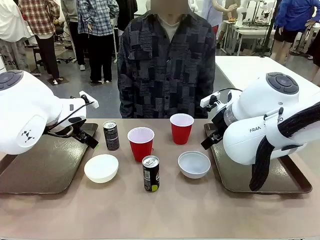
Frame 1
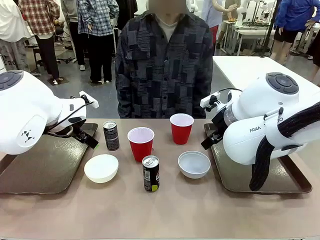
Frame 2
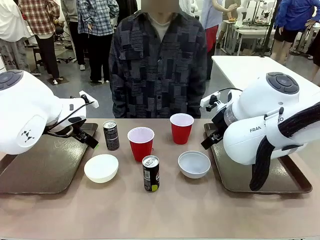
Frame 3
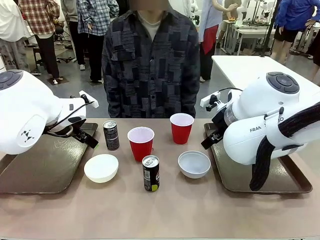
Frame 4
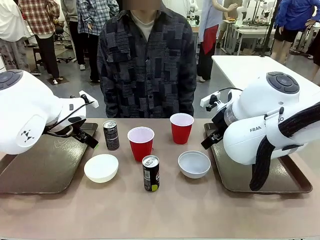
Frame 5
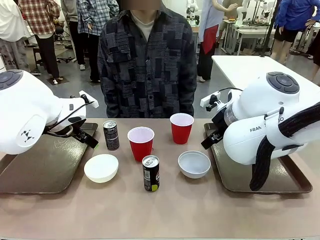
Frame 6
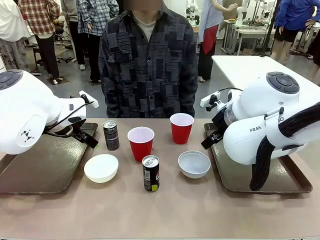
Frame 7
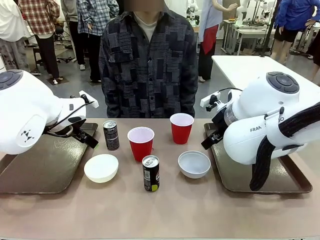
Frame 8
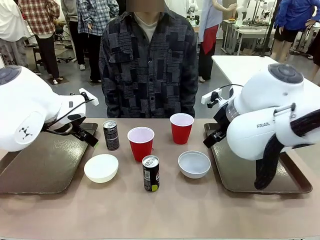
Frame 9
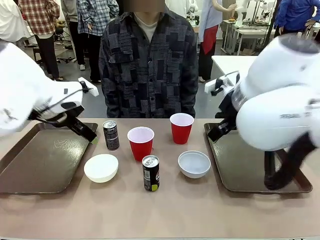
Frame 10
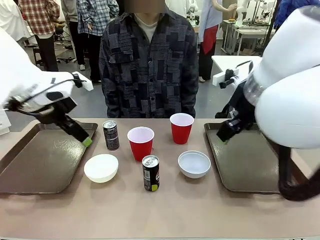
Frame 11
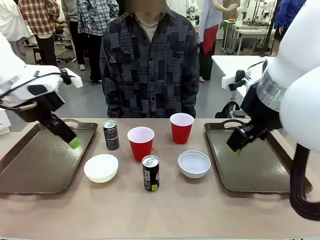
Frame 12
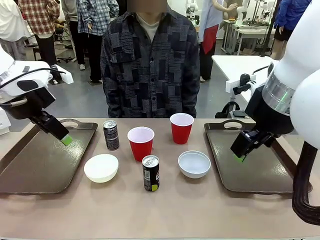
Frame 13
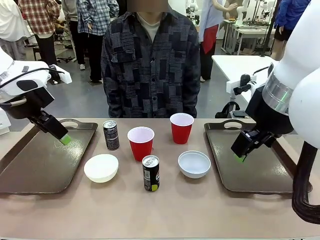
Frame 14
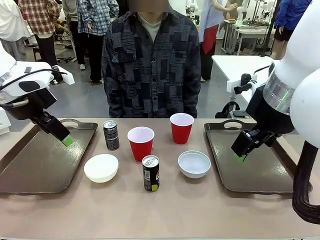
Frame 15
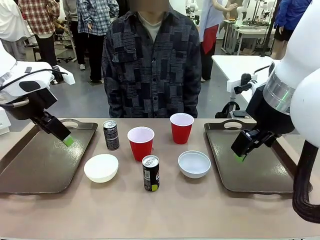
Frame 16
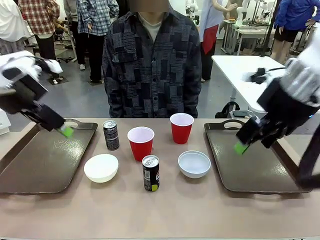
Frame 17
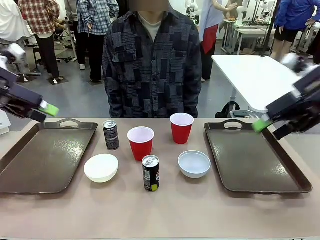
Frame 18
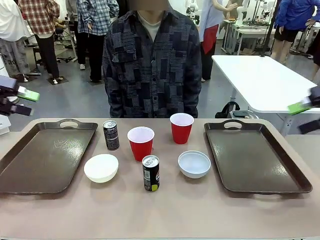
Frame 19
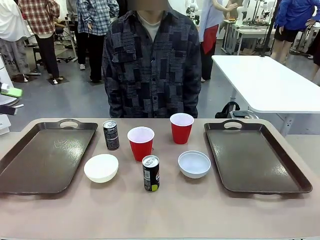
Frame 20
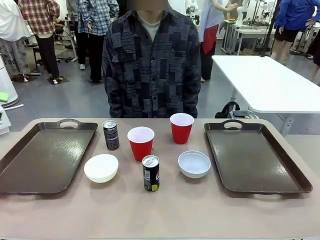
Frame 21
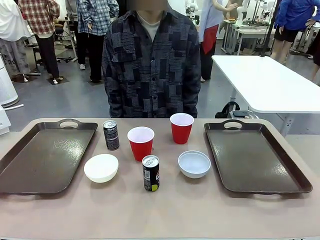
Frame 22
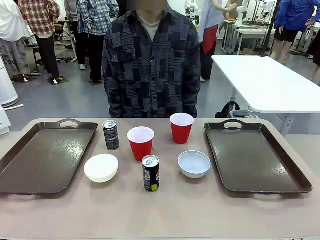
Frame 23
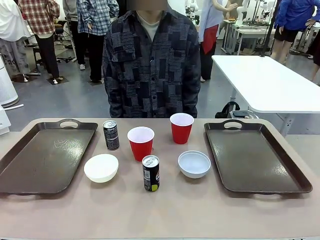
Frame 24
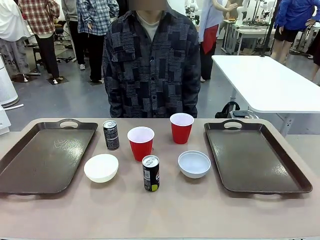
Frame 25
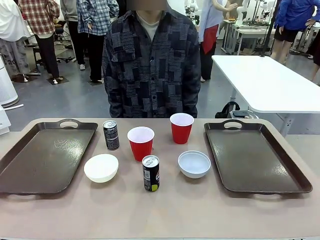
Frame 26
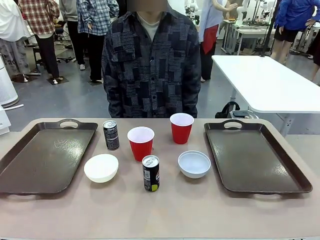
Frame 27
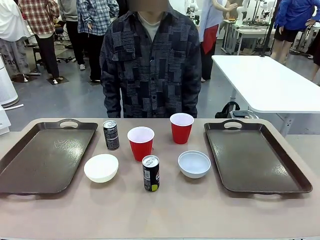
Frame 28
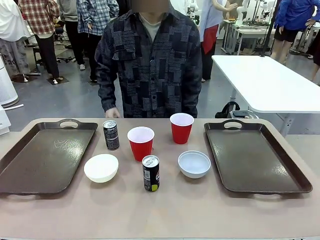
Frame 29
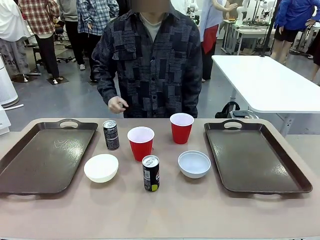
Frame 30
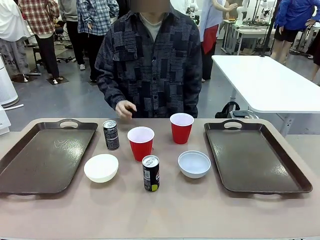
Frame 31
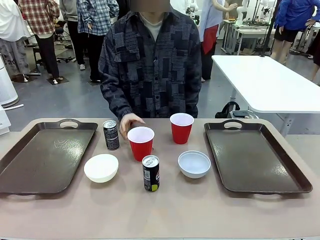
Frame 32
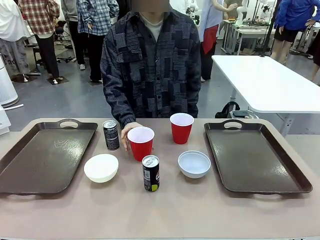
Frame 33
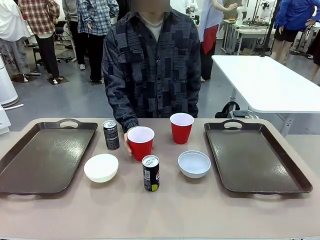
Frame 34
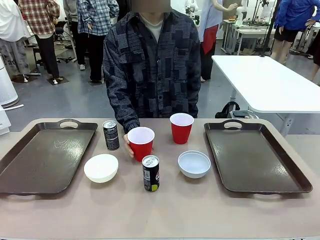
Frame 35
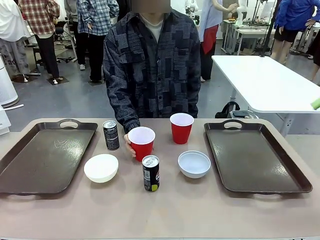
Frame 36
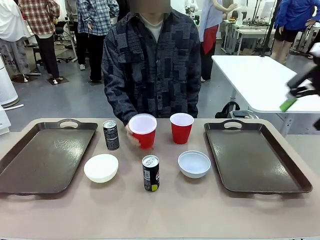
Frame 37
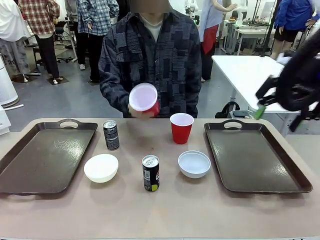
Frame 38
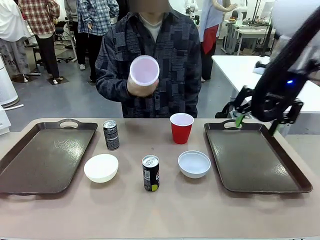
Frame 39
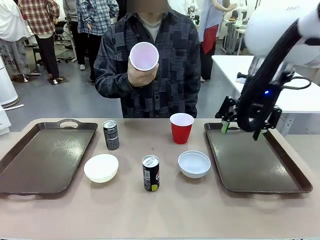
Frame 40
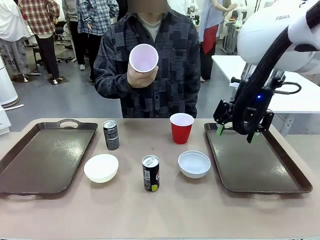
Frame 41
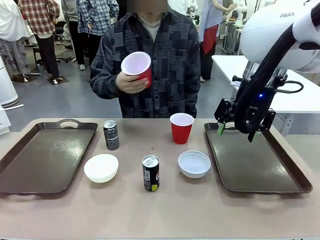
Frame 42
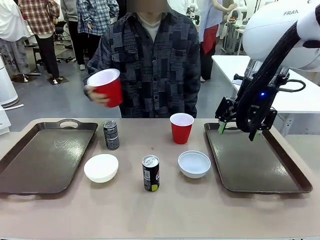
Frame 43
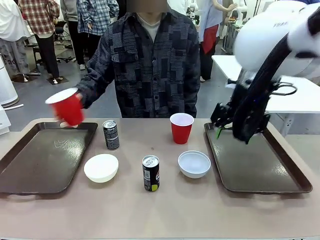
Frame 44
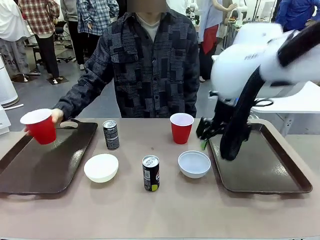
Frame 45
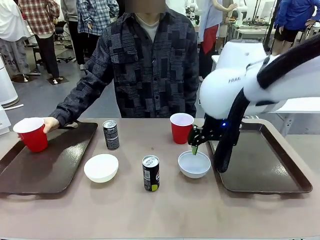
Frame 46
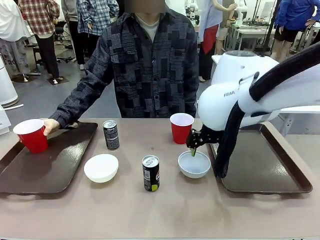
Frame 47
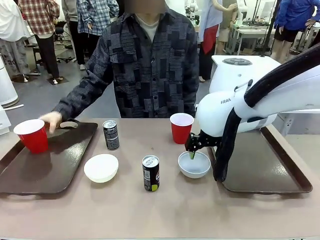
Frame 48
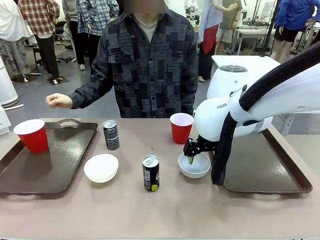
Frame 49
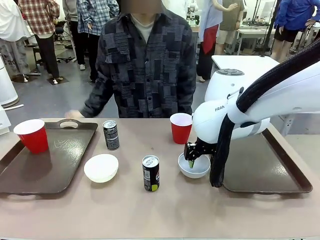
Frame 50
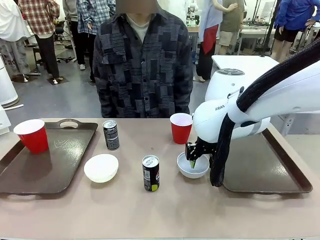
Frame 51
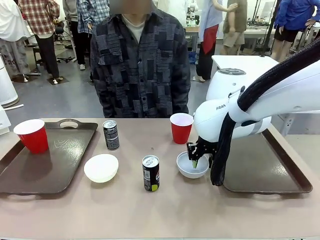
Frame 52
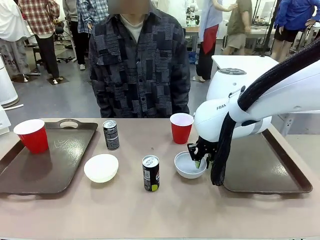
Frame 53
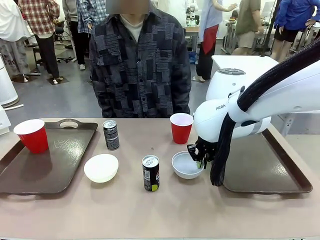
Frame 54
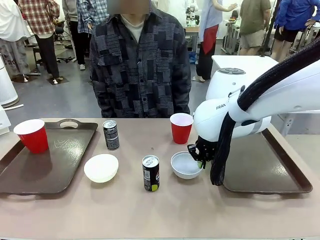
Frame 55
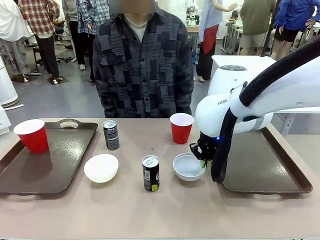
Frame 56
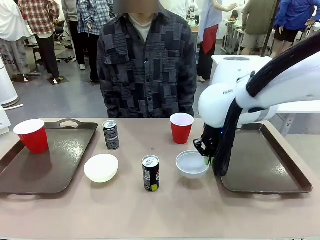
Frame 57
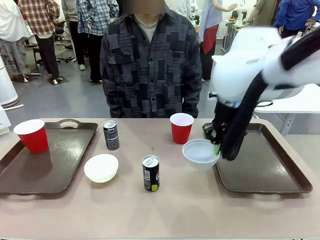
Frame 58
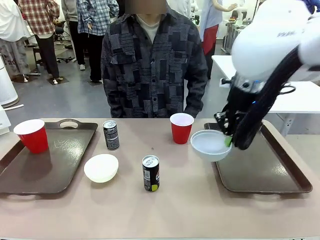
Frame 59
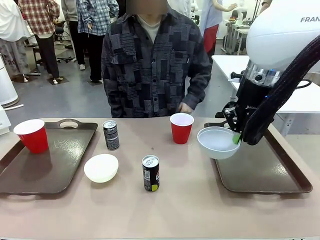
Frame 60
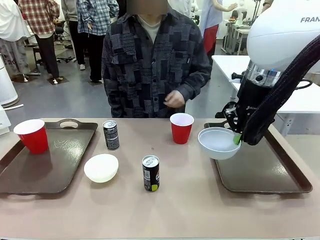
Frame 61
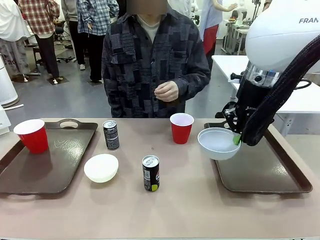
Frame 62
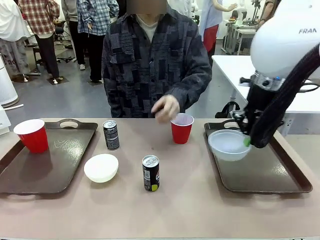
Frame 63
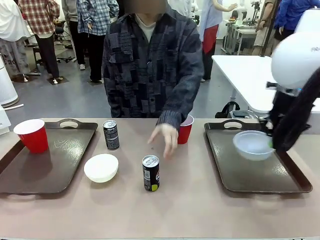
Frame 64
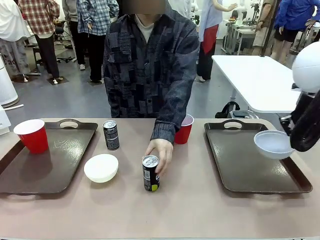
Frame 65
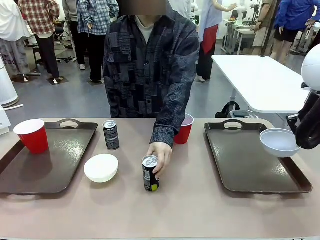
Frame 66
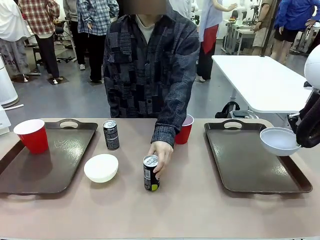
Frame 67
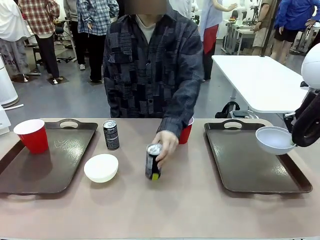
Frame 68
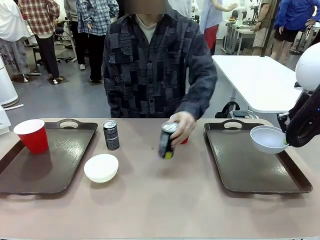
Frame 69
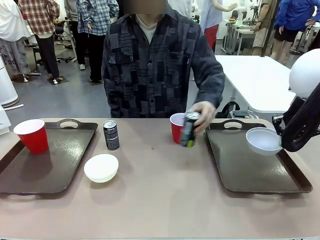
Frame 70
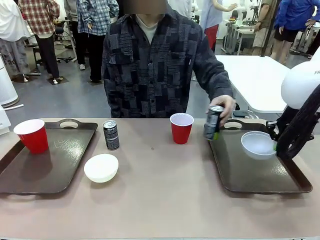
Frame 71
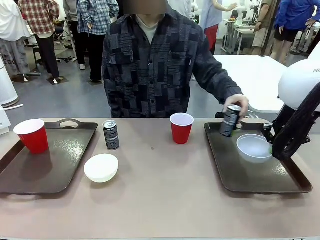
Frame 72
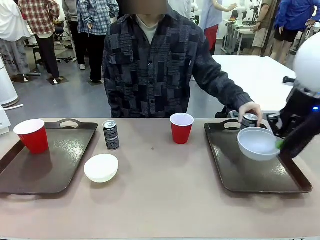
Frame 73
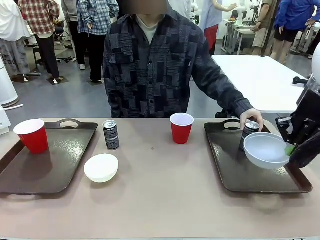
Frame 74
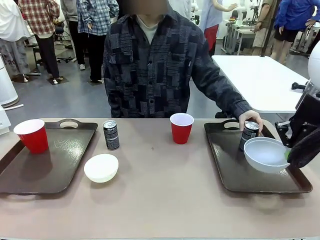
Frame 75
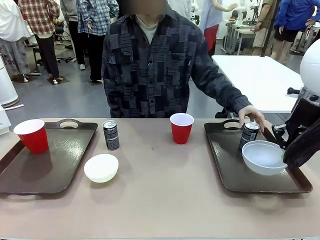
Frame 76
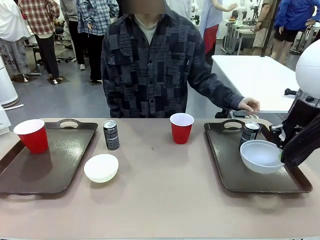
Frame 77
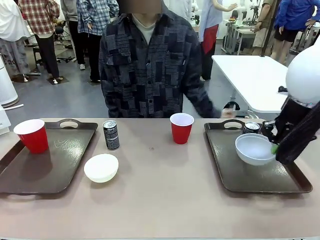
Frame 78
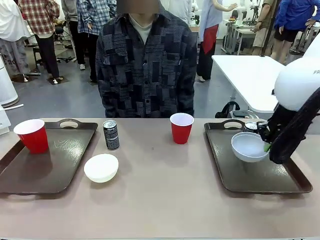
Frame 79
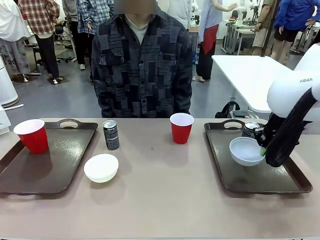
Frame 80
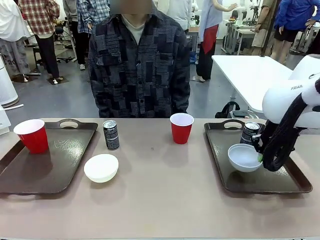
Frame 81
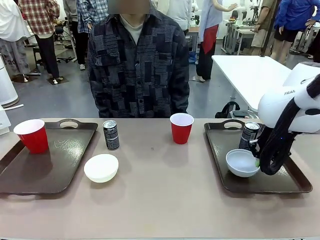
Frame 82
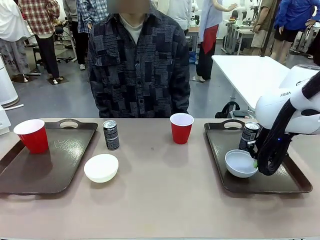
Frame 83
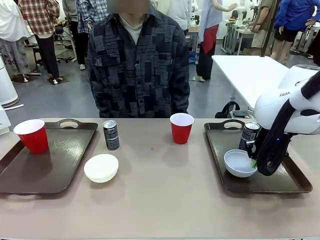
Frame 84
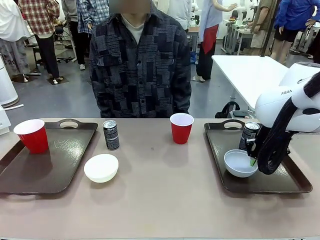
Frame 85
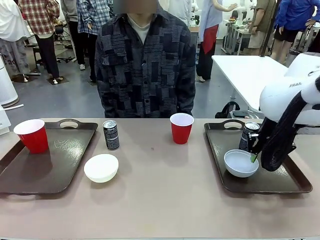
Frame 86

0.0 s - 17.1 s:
Task: Prepare tableware on both trays.
Robot: Pick up a Picnic Bowl from the table and place it on a Handle tray.
Person: Pick up a can or cup and place it on the tray.
